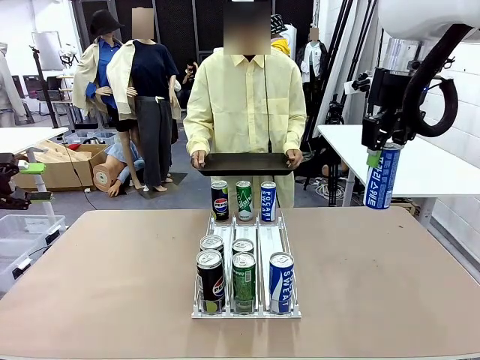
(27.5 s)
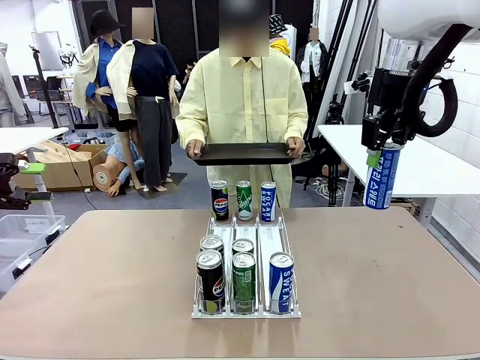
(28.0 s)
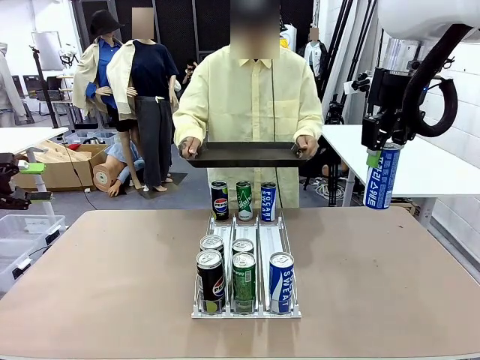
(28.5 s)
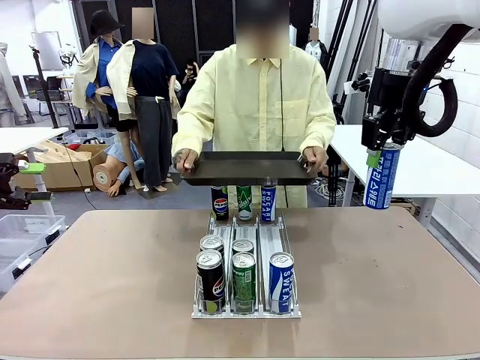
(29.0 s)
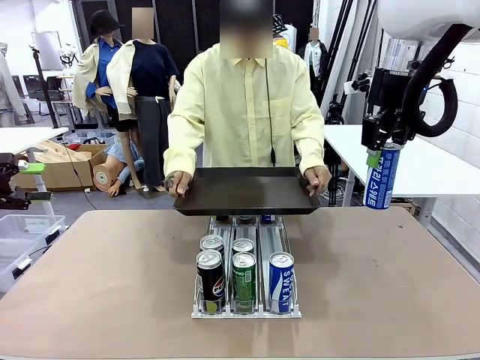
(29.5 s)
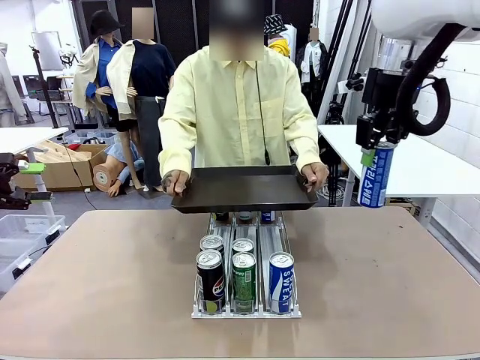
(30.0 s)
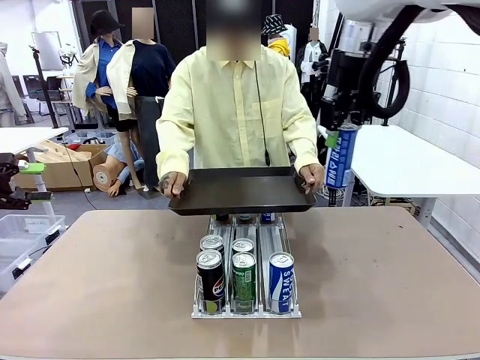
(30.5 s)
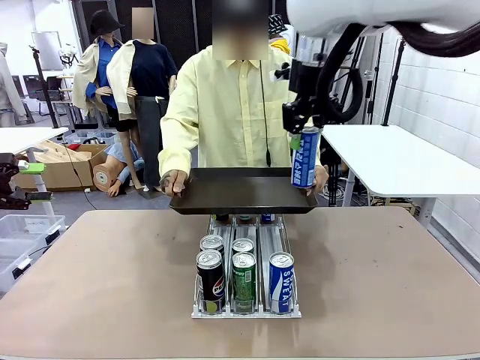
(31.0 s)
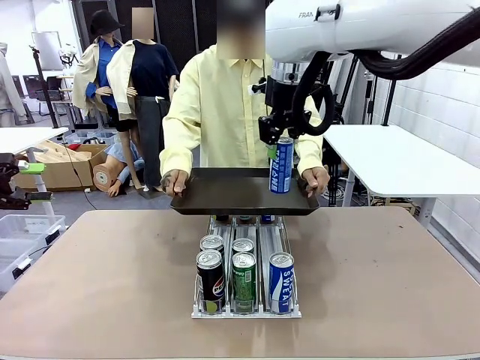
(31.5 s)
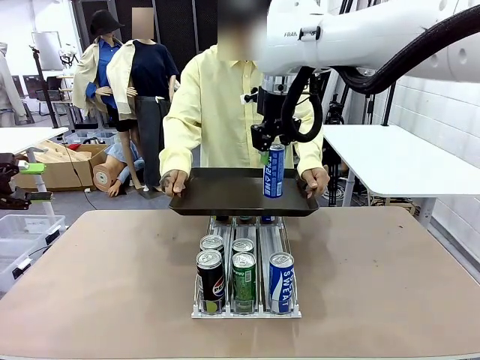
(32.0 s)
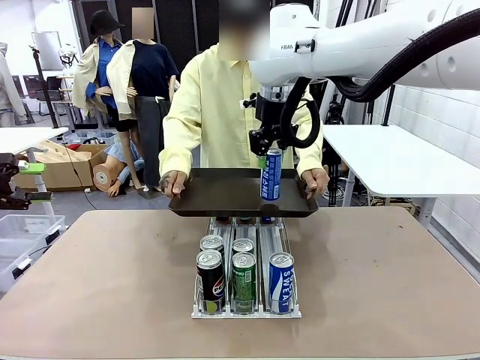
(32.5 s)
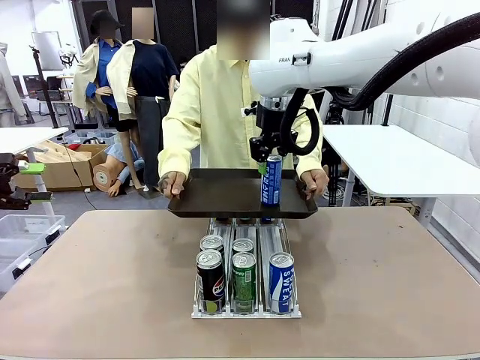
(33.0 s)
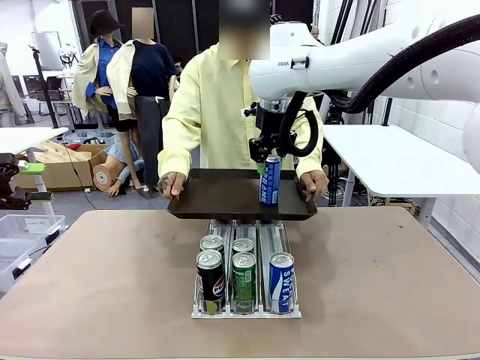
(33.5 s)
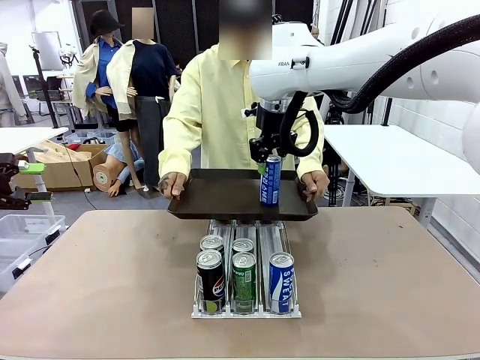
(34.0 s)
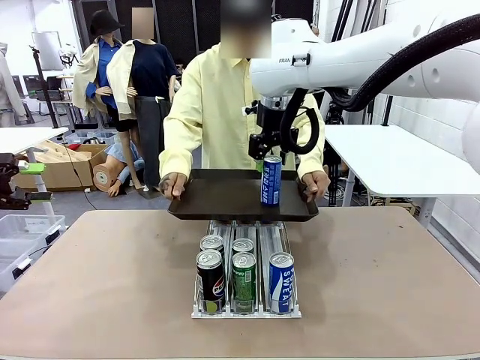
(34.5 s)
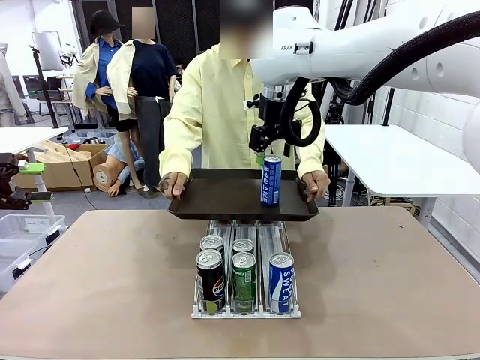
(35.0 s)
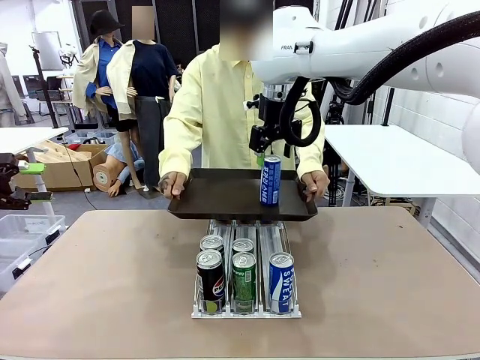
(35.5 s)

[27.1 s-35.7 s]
Task: Retrieve and hand over the desired beverage to the person.
Robot: Place the picked can on the Handle tray extended by the person.

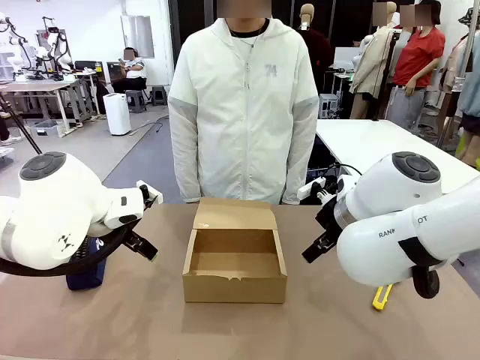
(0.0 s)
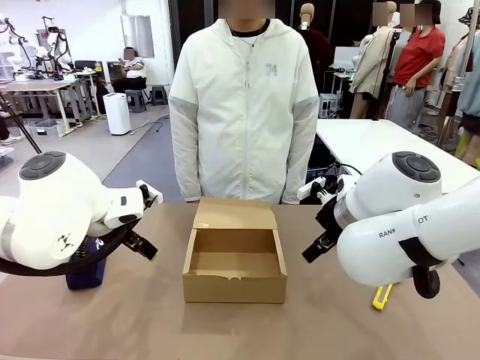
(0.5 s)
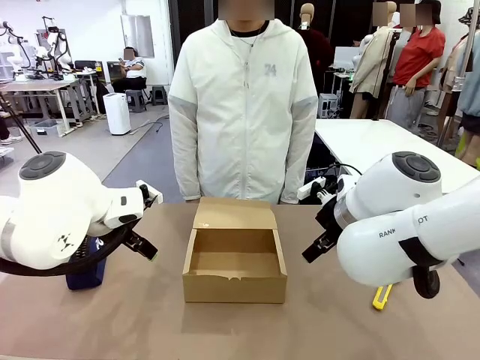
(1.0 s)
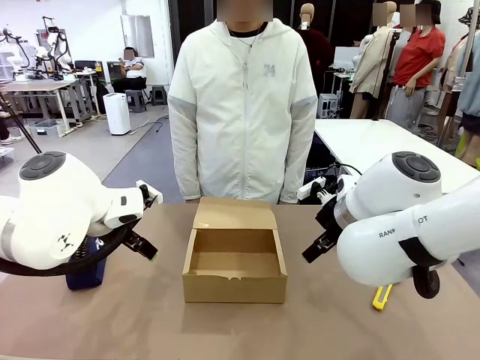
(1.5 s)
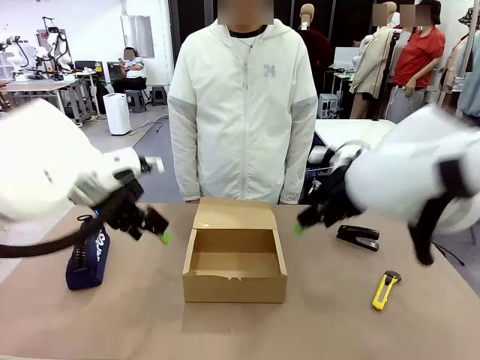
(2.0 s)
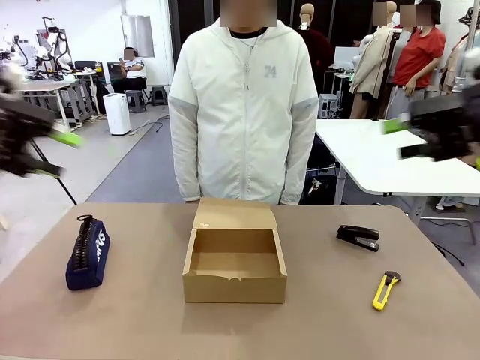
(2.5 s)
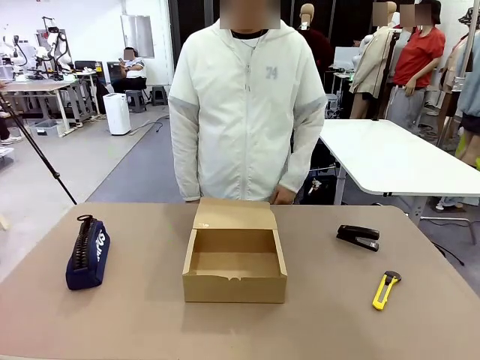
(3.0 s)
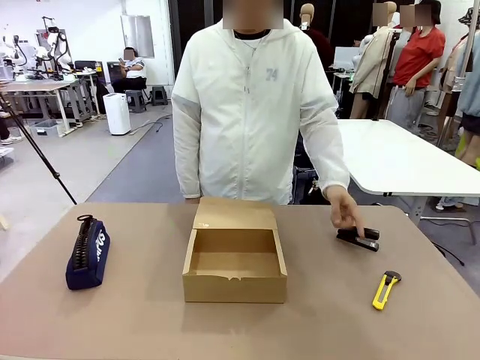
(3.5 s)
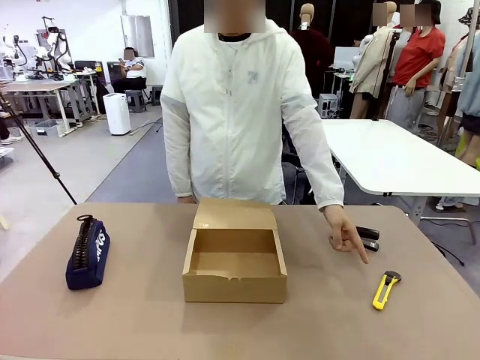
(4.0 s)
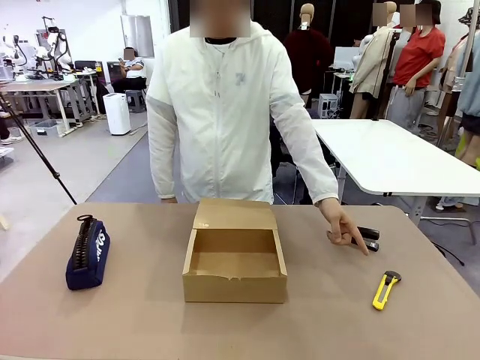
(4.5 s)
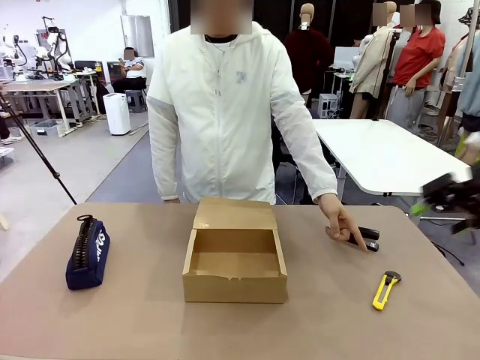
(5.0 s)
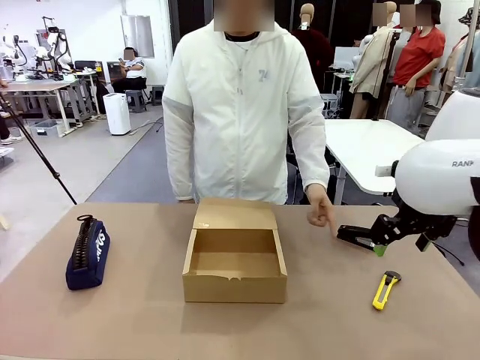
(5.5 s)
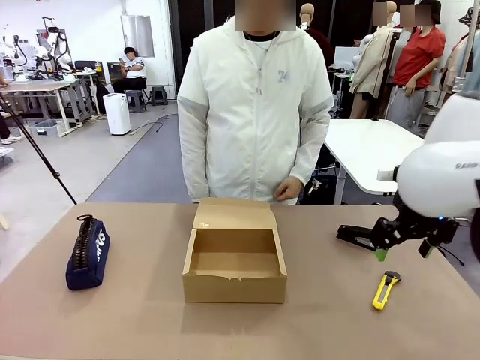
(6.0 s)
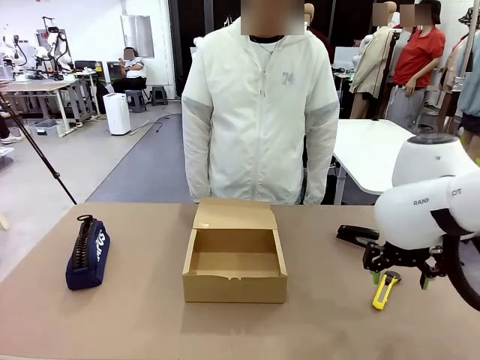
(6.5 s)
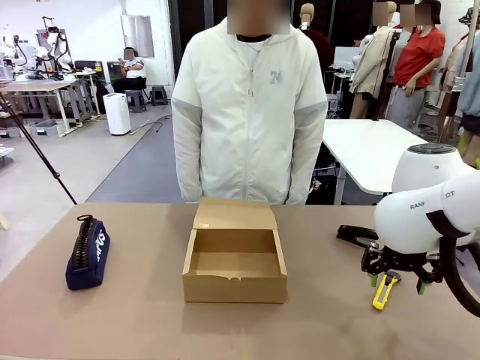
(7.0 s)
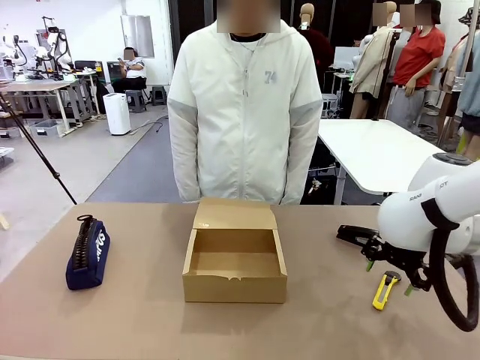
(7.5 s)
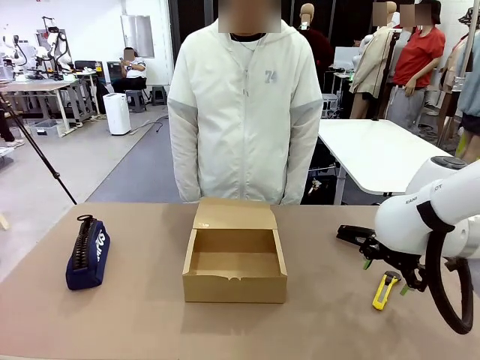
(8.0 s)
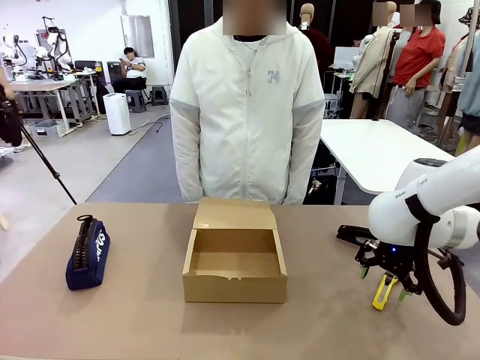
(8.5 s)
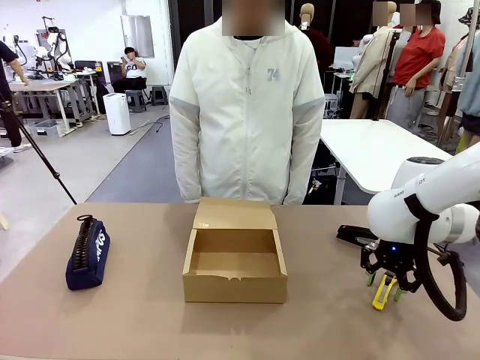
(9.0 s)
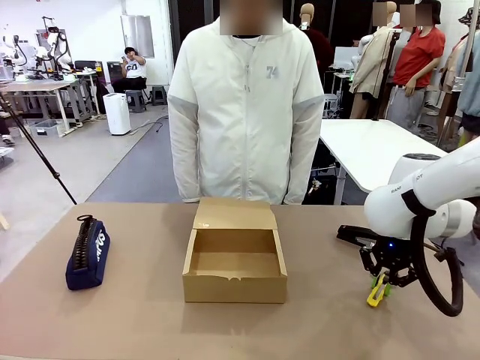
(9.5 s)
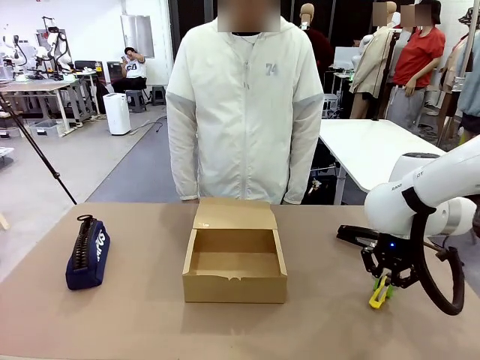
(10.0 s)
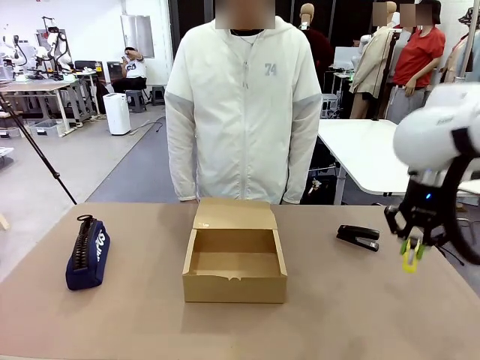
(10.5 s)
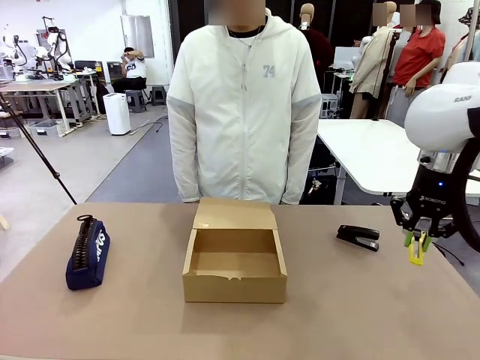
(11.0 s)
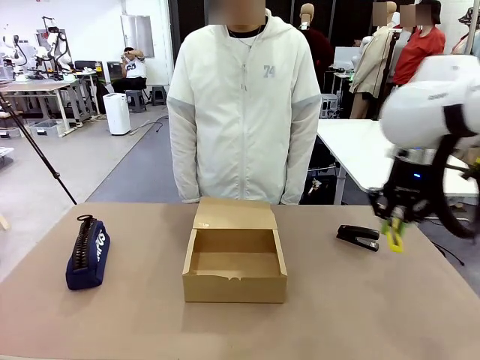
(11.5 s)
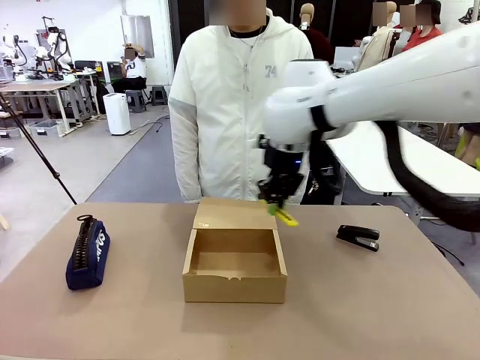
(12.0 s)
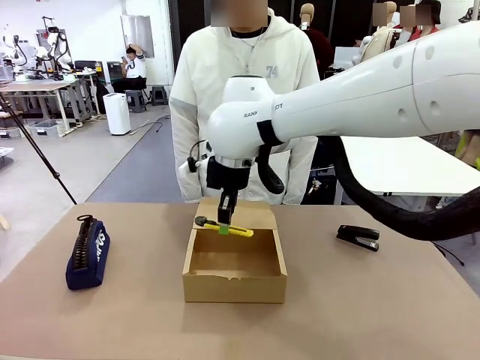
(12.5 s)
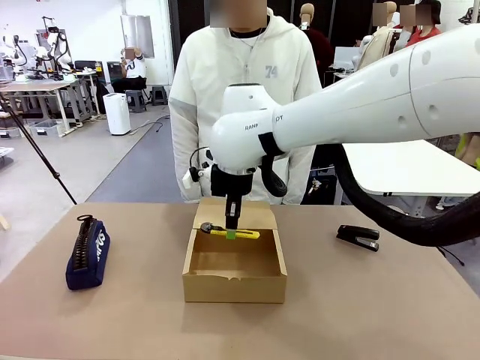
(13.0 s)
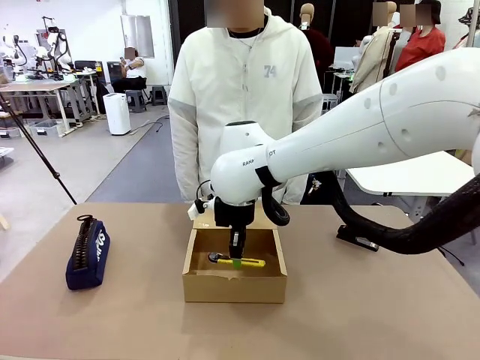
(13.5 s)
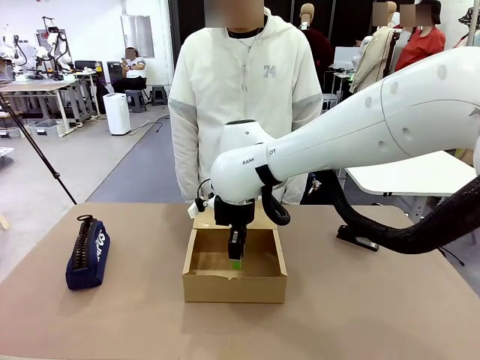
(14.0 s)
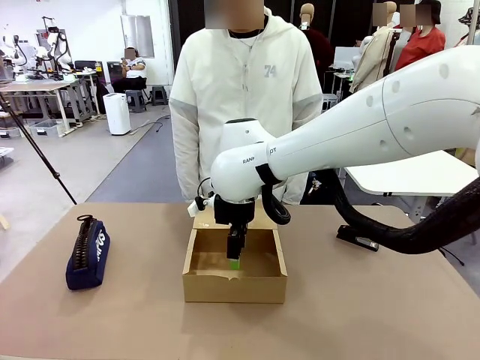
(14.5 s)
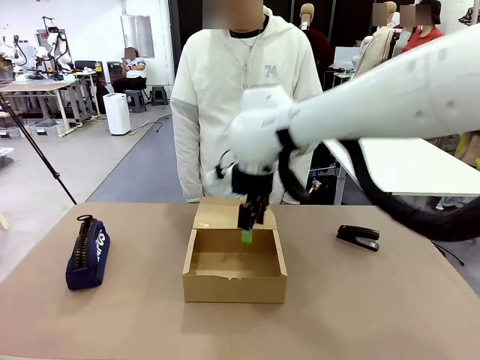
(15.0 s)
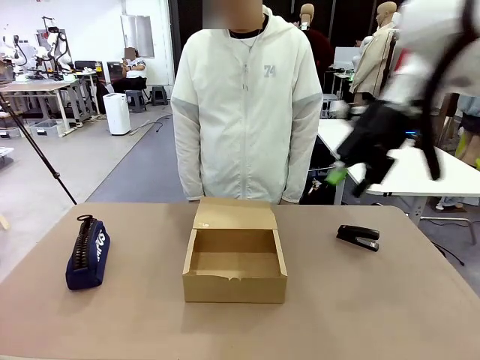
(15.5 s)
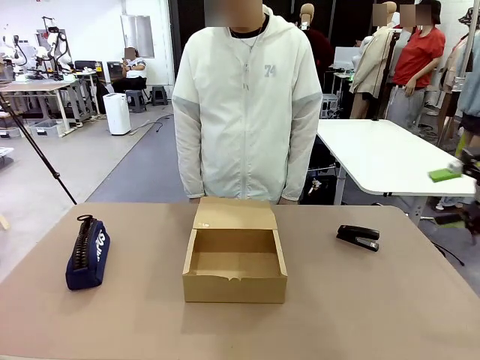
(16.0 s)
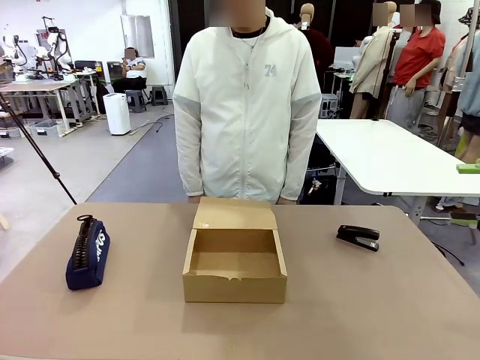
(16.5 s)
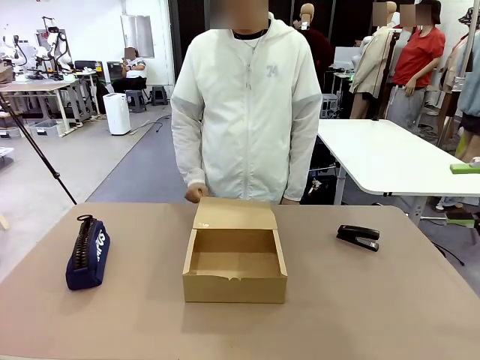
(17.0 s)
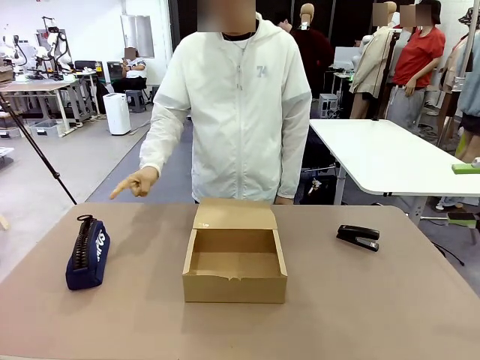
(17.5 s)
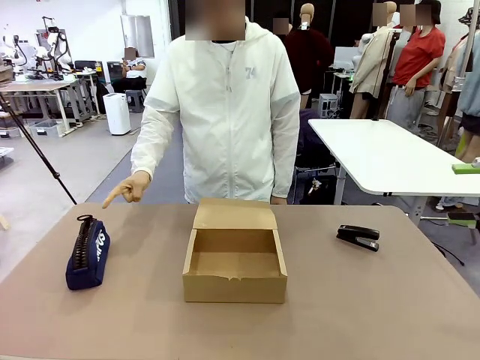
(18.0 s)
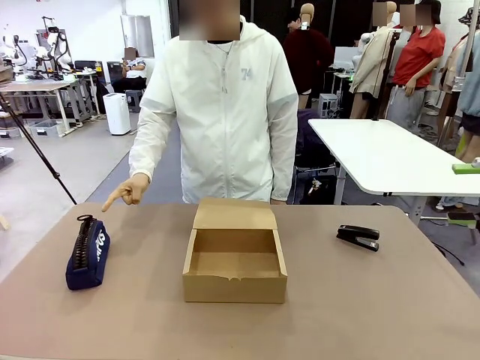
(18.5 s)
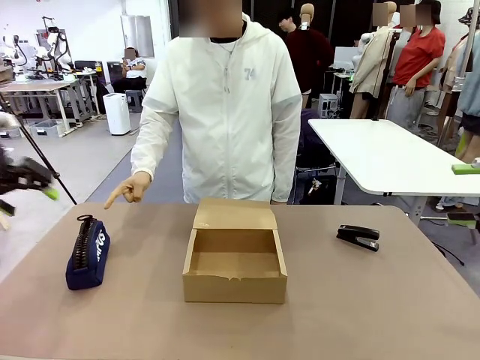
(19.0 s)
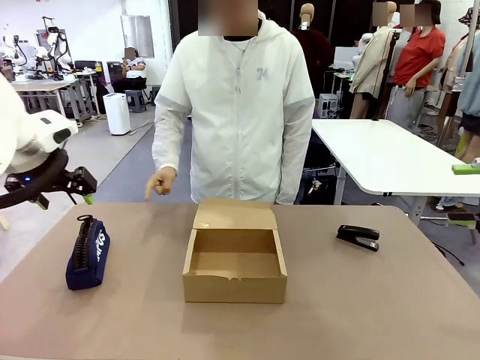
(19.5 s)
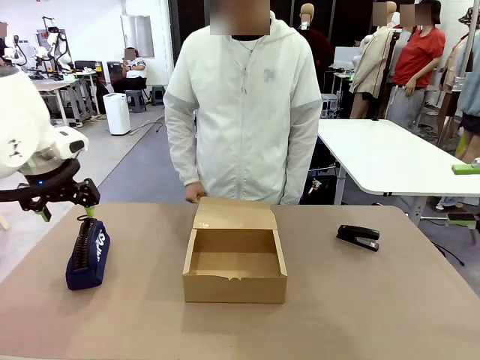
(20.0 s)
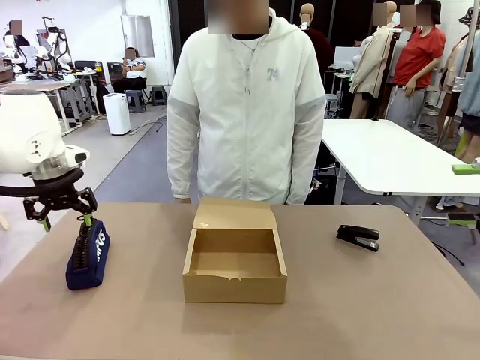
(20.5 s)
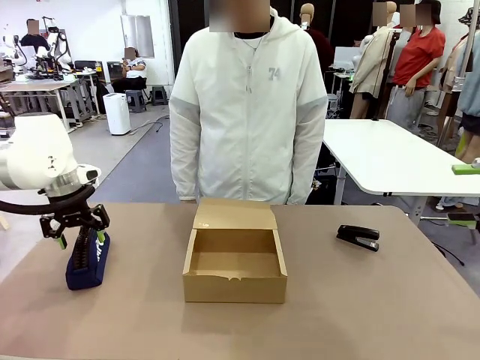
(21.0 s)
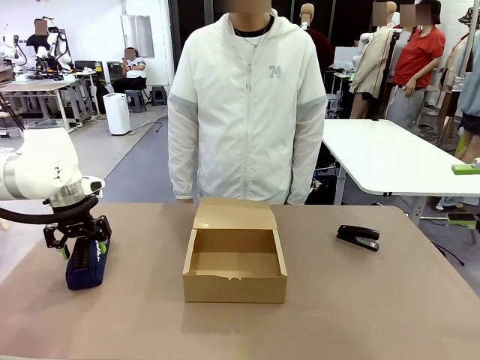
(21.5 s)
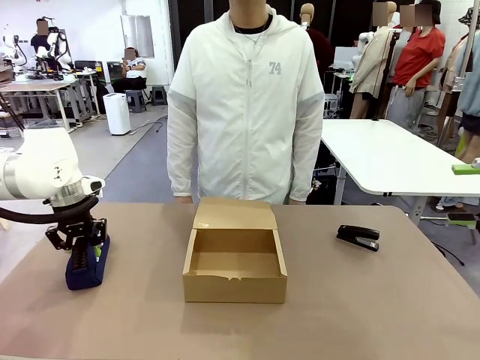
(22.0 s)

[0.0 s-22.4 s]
Task: Pack the items into the box.
Robot: Pick up the item indicated by the person and place it inside the Mailer Box.
Person: Point at one item on the table (excluding the box).
